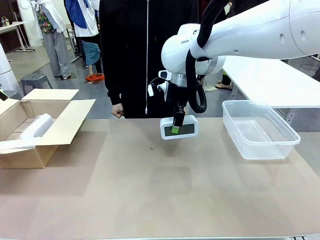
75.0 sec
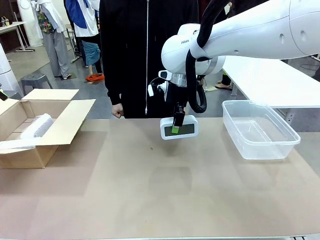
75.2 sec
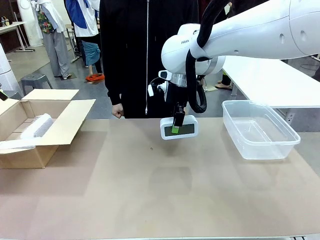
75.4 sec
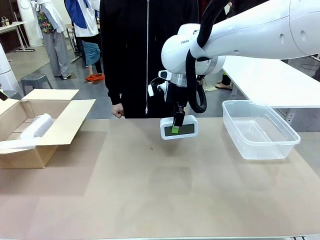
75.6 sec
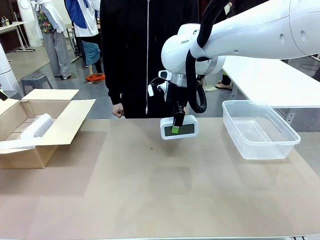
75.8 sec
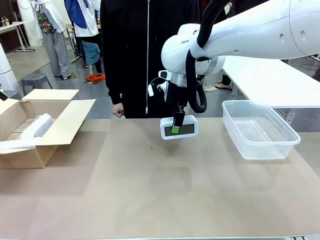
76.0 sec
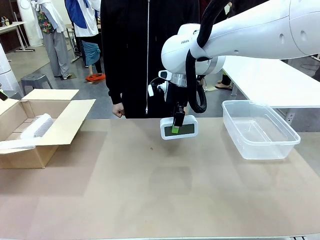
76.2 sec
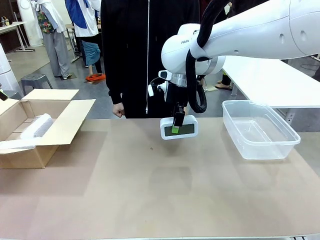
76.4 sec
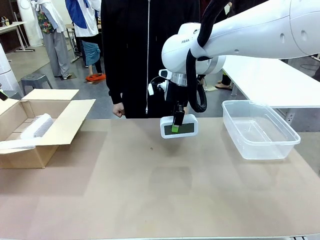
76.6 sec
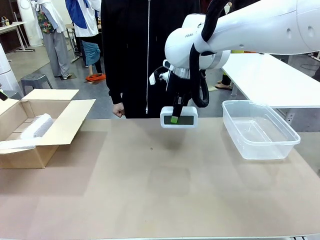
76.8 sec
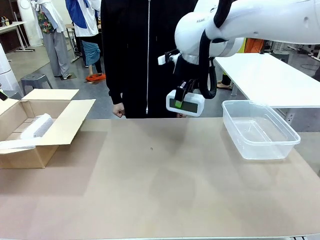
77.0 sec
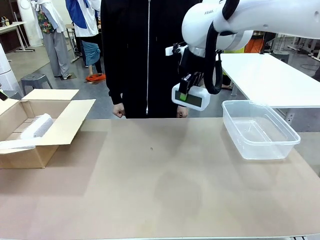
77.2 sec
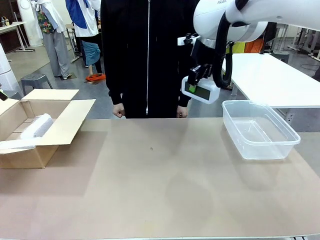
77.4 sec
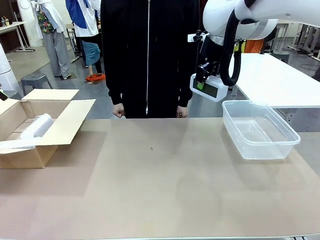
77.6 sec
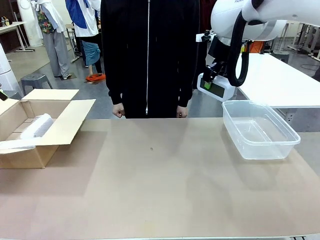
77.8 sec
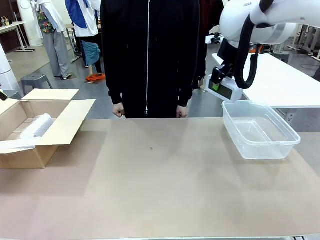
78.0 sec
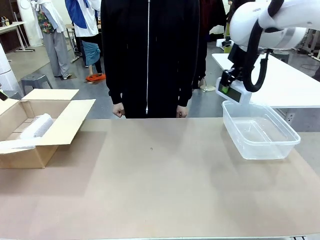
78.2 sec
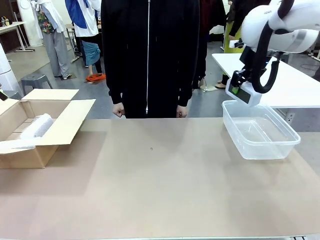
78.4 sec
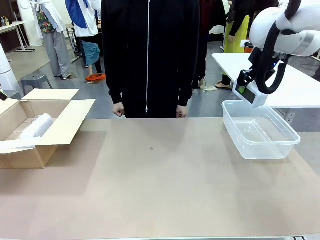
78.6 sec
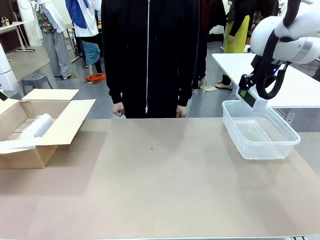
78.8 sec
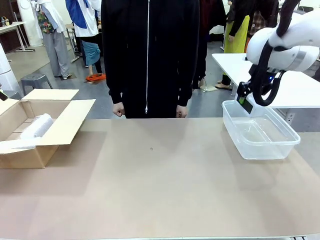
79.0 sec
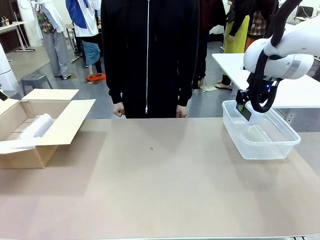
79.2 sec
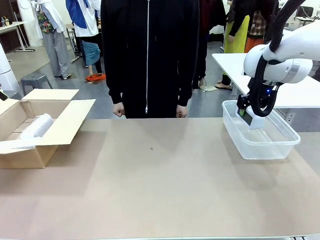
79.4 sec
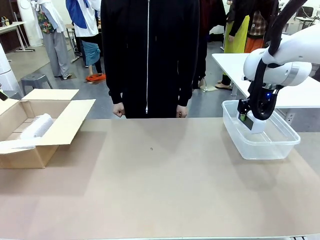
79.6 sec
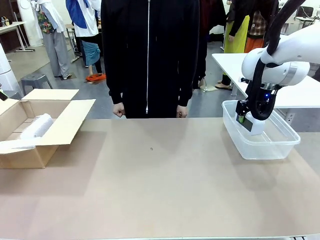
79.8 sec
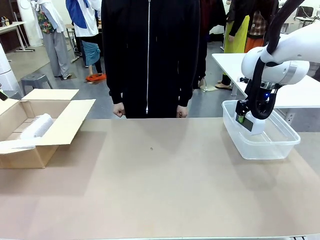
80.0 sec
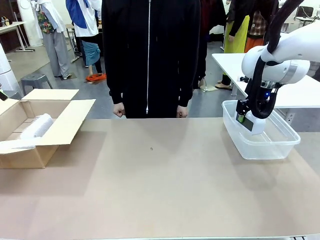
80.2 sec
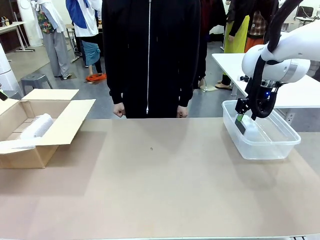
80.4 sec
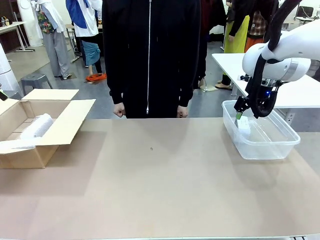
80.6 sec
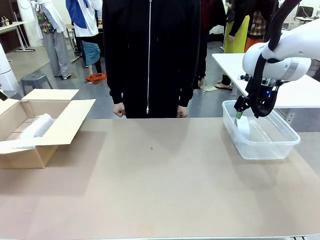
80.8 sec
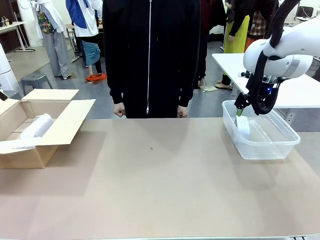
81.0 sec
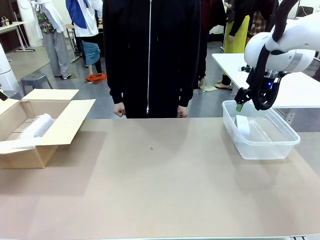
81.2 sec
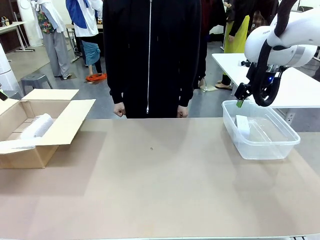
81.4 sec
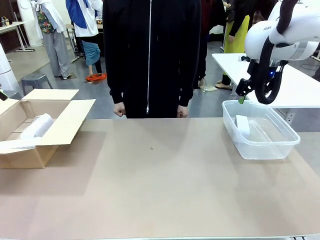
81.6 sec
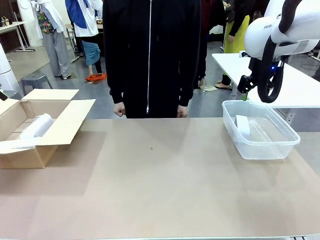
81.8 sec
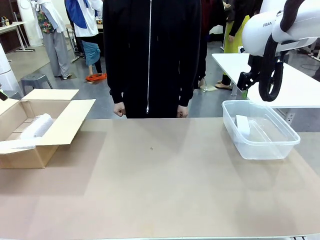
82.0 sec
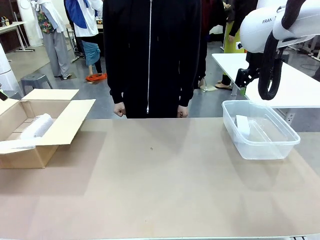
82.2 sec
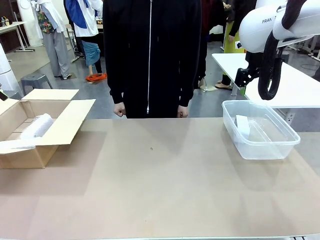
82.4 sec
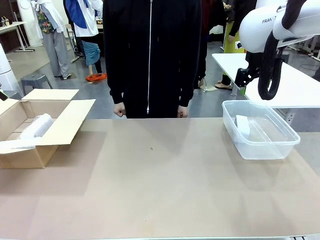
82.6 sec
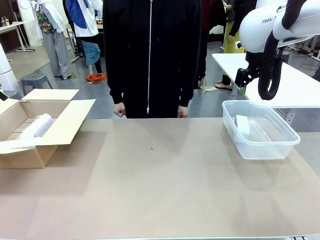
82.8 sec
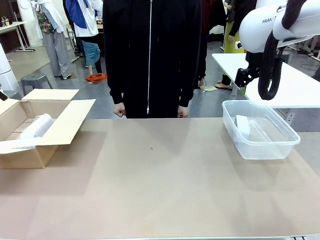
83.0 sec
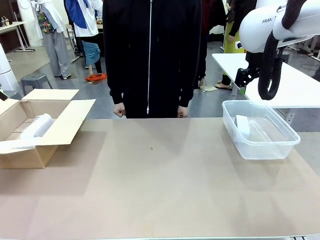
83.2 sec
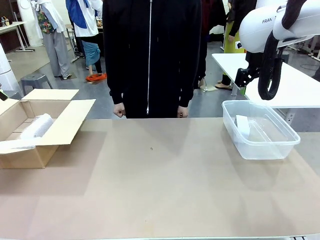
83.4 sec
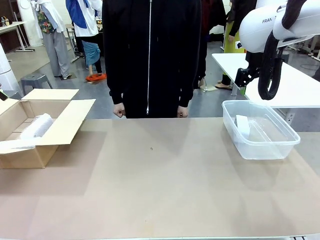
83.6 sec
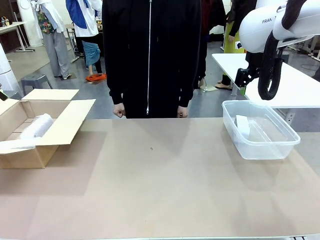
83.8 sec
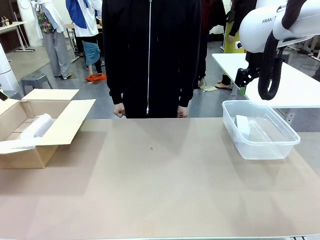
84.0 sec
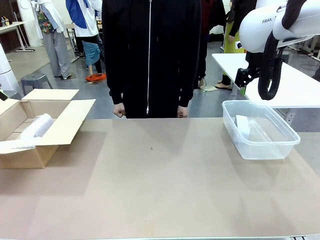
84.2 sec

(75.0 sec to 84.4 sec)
Task: Separate and place wrapped and unwrapped clocks.
Robot: If the picked Digital clock is wrapped, place it in the Package Box ; if not, place it in the Organizing box.

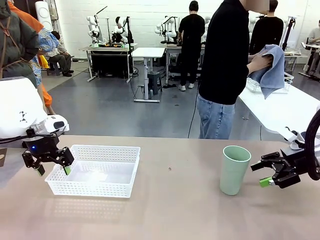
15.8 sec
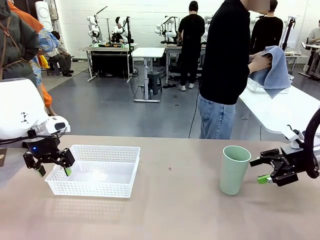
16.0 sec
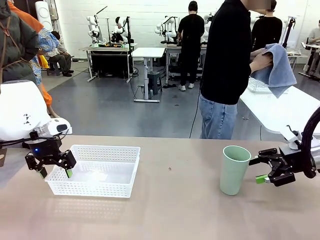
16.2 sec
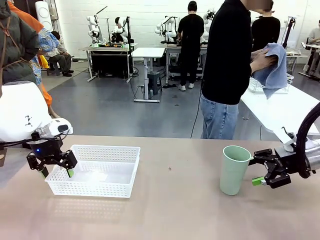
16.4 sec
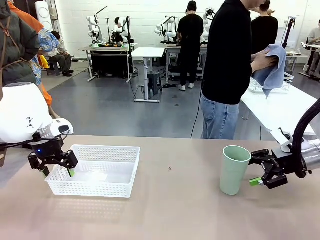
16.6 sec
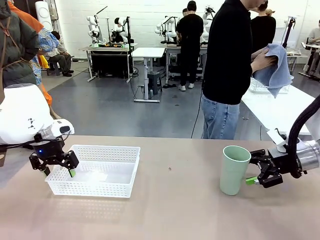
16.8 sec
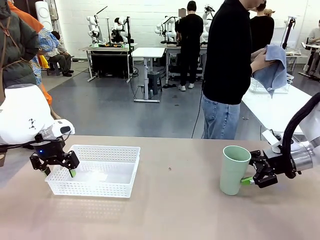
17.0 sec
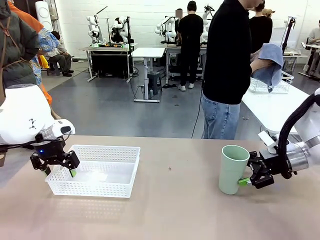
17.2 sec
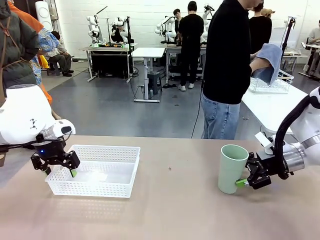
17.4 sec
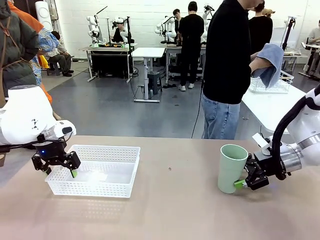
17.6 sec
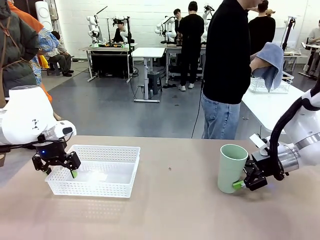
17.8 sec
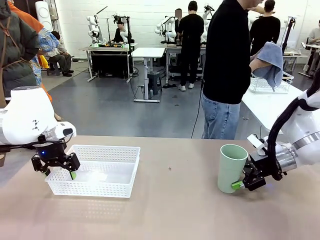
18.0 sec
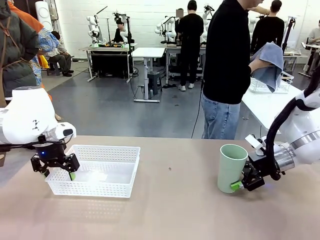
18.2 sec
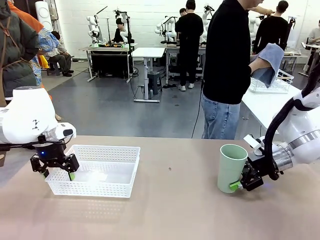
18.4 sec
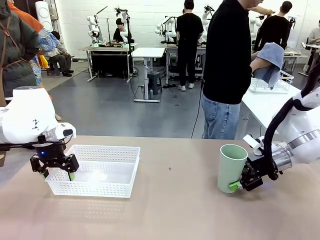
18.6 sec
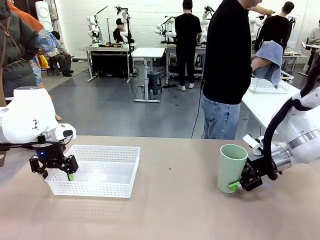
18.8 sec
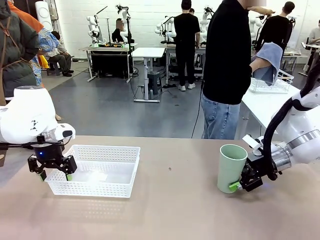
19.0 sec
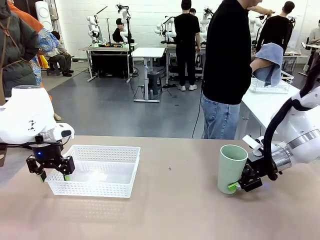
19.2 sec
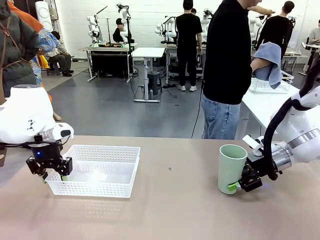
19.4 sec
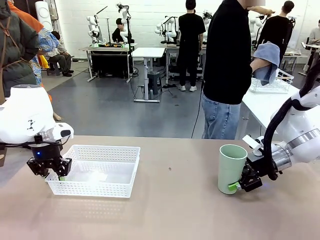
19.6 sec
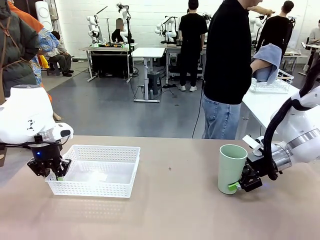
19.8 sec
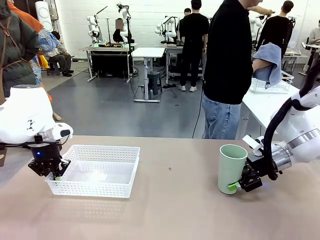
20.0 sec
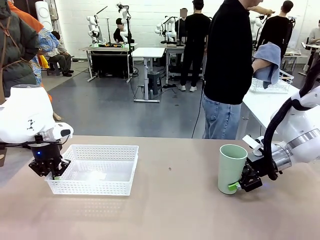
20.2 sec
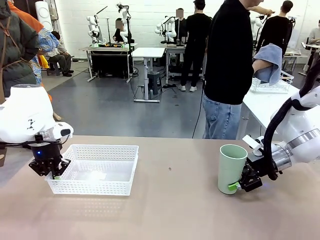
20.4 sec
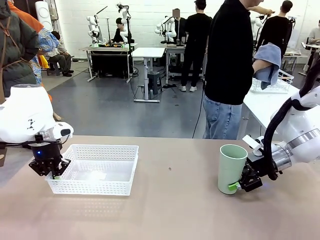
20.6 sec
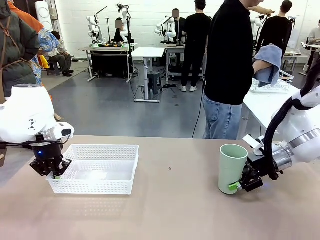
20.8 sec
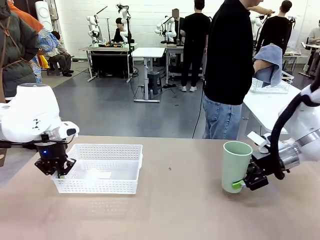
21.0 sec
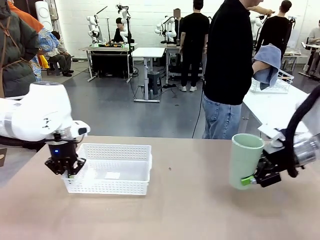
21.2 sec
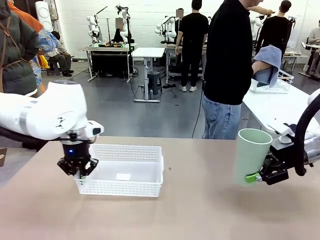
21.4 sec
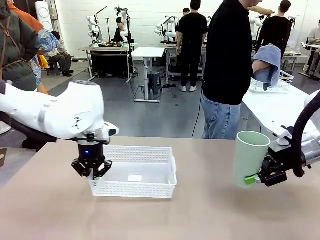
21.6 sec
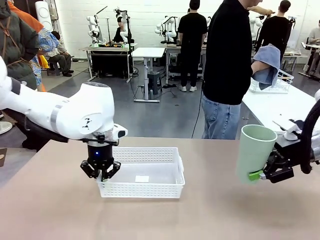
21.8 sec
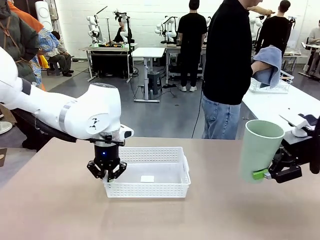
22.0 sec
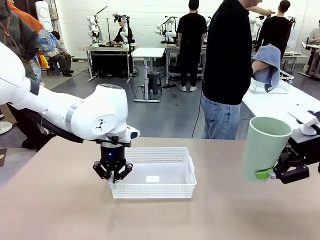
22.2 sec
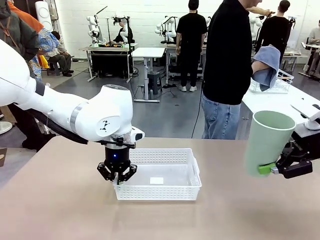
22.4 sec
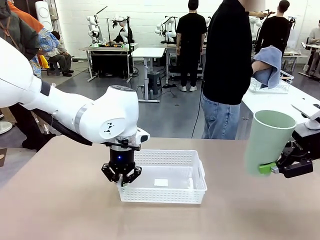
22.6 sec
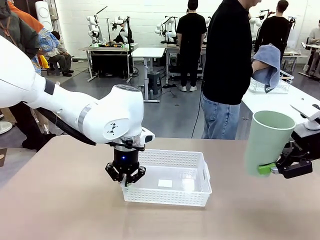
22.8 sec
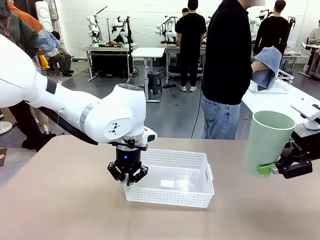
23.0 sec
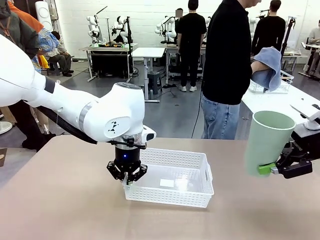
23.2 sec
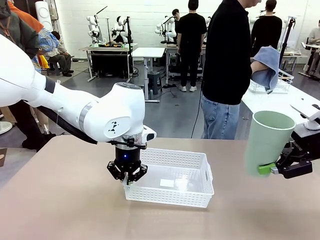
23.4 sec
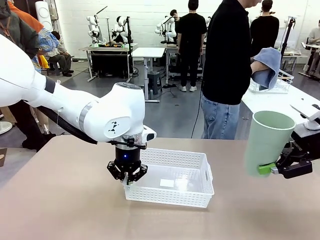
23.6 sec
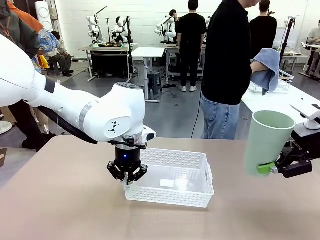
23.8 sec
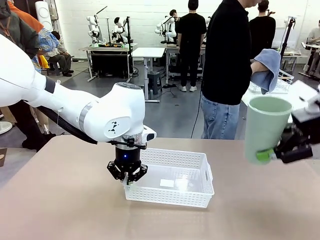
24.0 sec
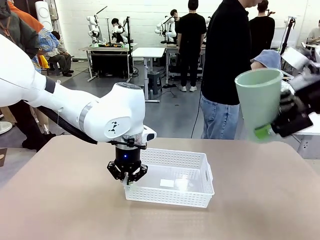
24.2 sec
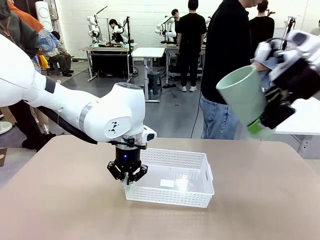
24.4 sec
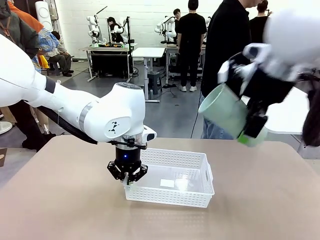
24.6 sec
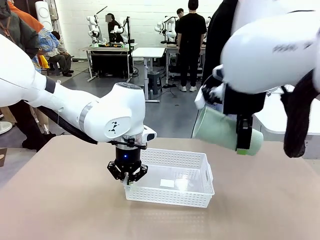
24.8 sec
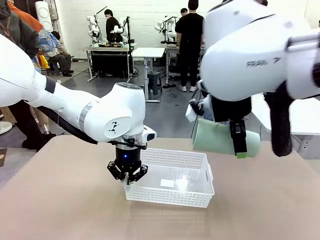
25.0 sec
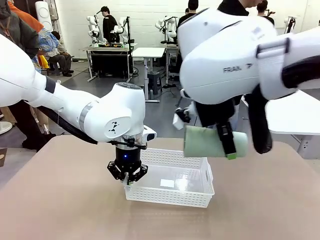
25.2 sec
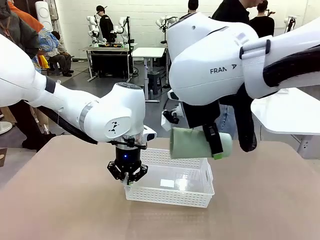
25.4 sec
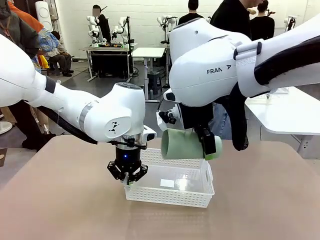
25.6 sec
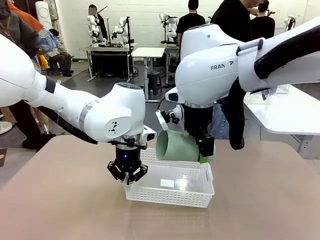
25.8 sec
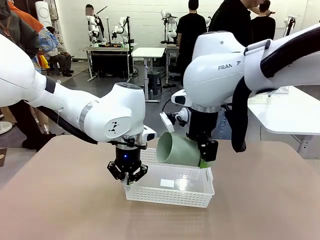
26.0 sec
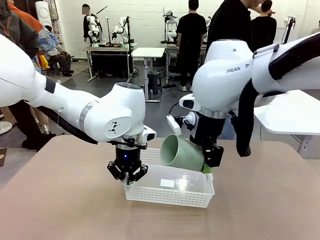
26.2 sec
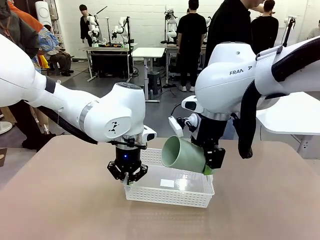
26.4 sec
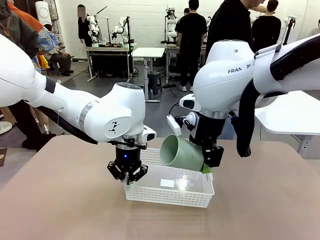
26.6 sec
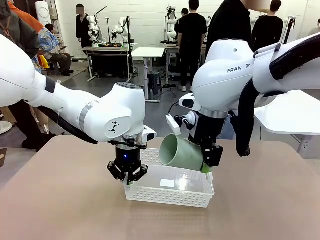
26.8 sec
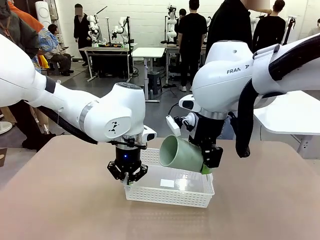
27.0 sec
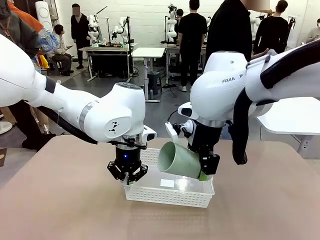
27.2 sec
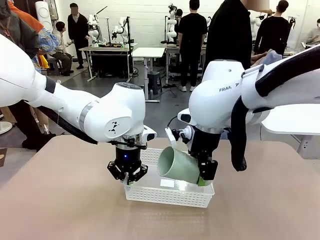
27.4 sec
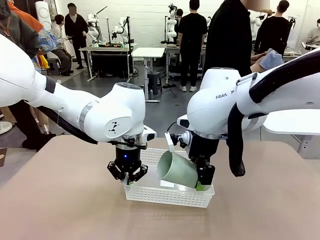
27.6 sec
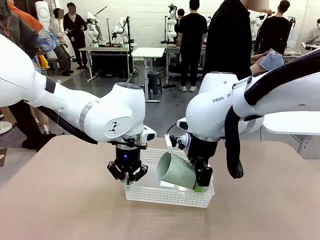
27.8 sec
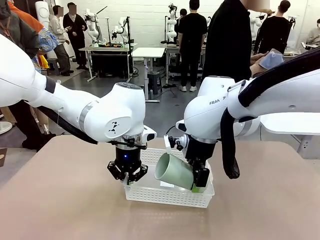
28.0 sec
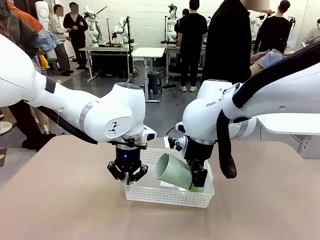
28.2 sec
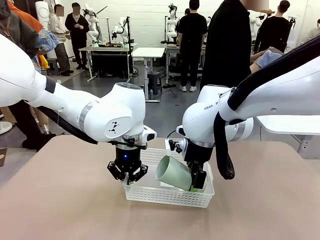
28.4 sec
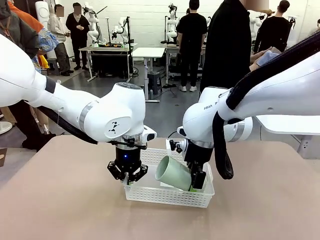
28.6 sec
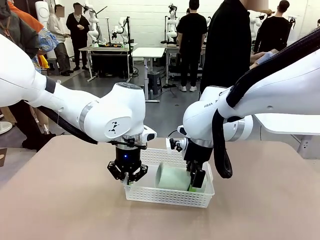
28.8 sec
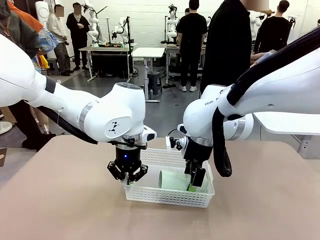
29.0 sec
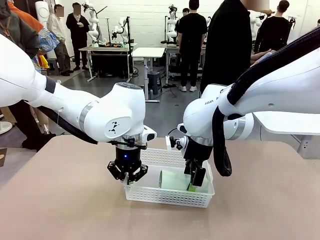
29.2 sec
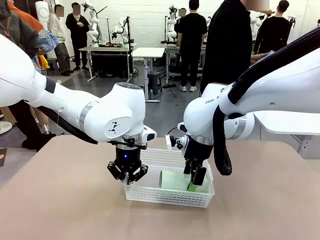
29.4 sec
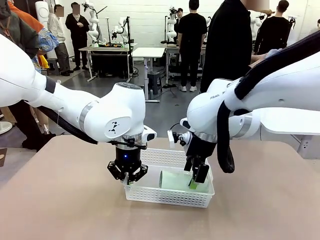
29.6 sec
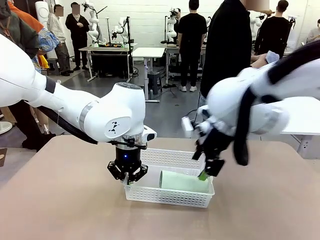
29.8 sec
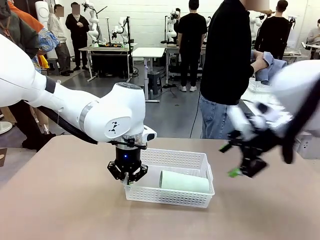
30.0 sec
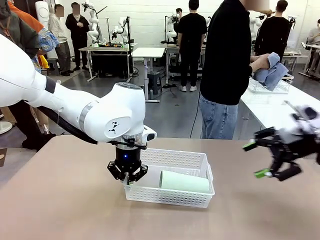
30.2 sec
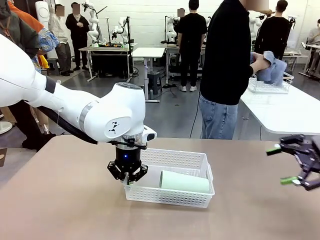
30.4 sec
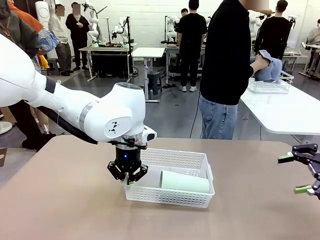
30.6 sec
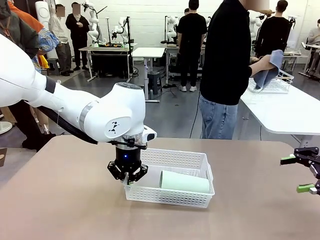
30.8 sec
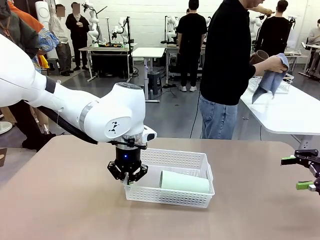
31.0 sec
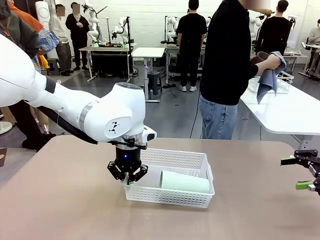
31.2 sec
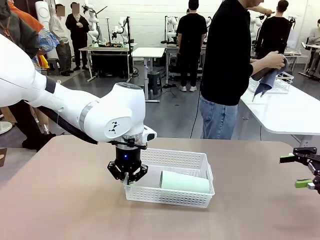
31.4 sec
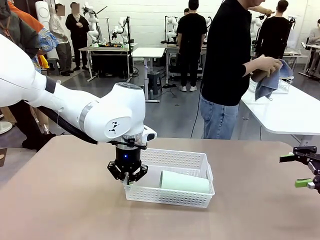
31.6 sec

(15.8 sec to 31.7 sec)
Task: Clean and organize the cups into the basket.
Robot: Pick up the Organizing basket and move it to the center of the table, then pick up the Reusable plastic cup from the right side of the table and place it inside the Organizing basket.
